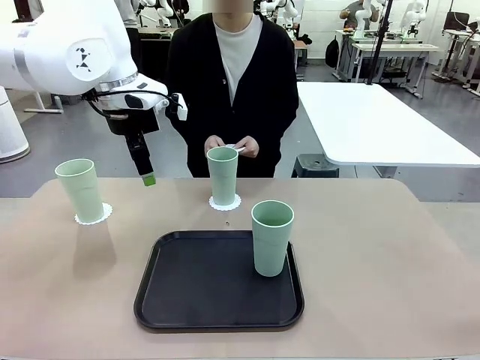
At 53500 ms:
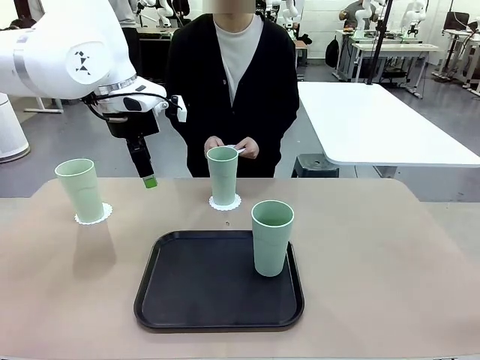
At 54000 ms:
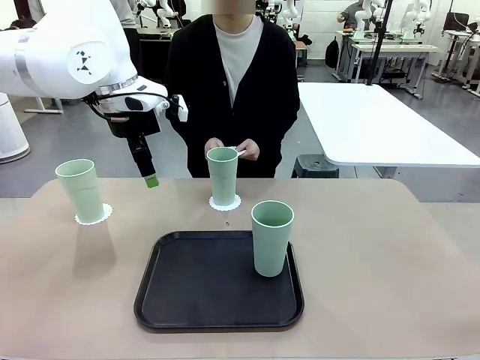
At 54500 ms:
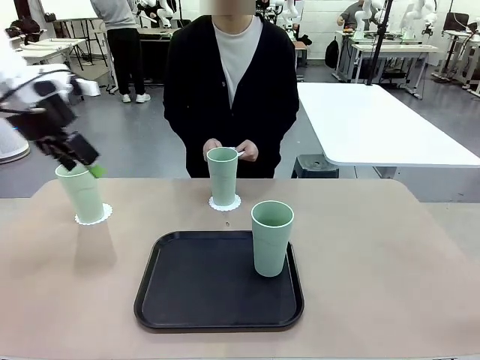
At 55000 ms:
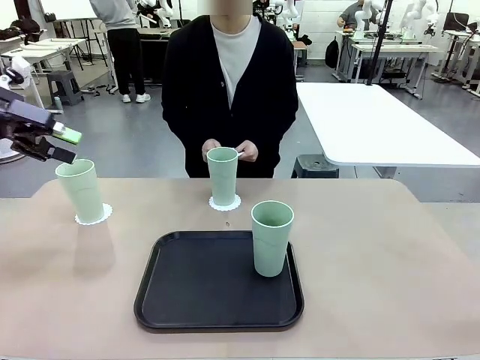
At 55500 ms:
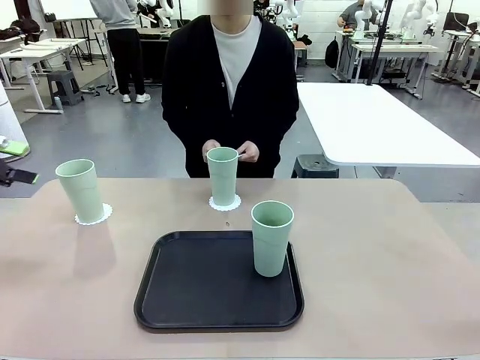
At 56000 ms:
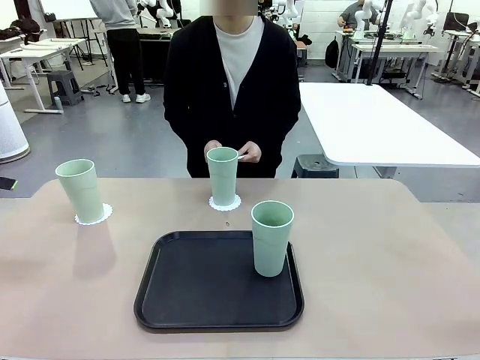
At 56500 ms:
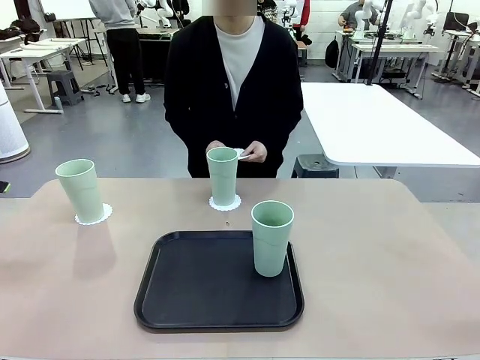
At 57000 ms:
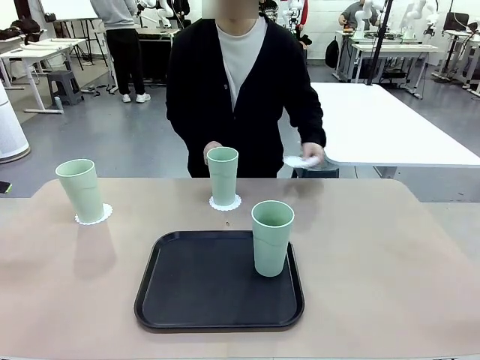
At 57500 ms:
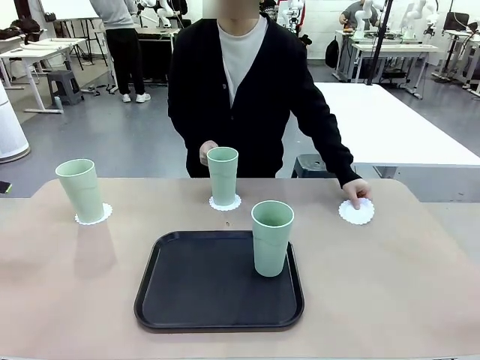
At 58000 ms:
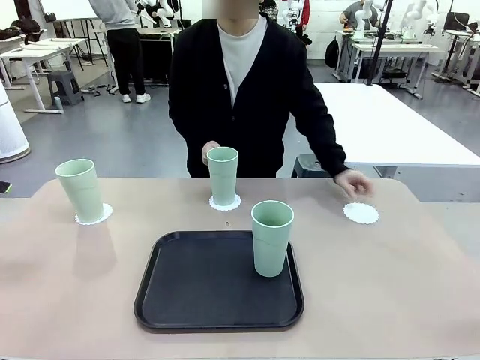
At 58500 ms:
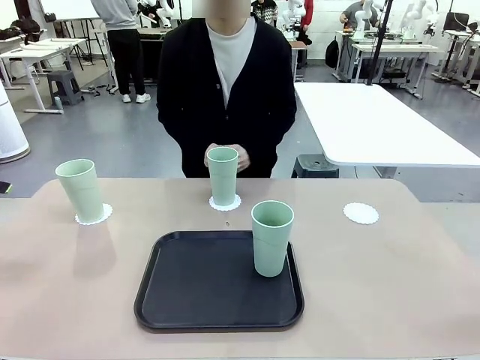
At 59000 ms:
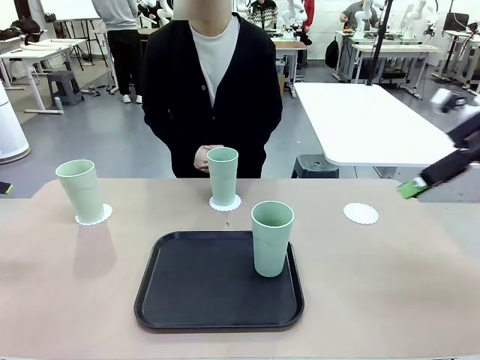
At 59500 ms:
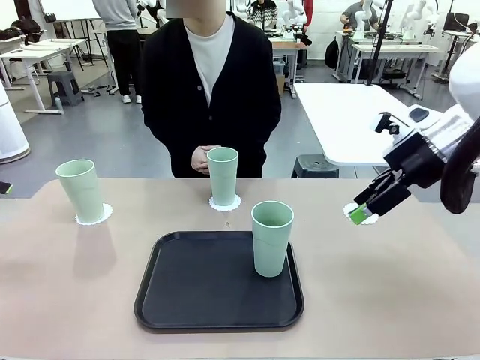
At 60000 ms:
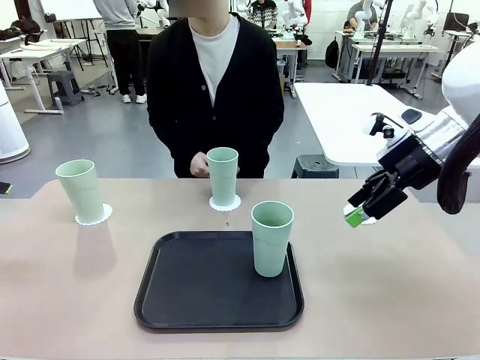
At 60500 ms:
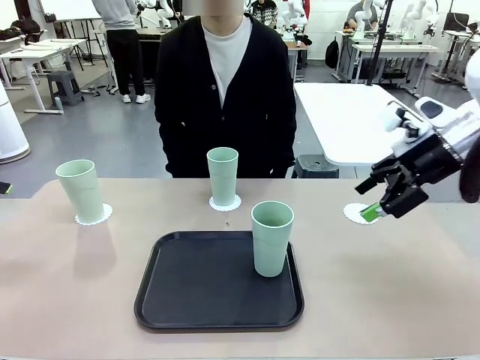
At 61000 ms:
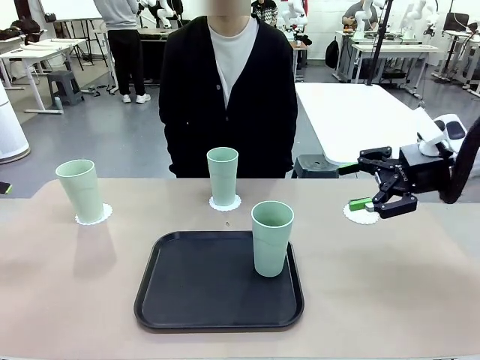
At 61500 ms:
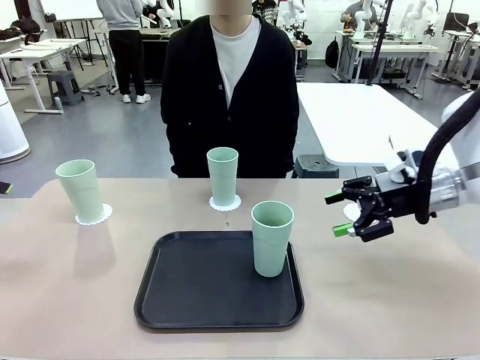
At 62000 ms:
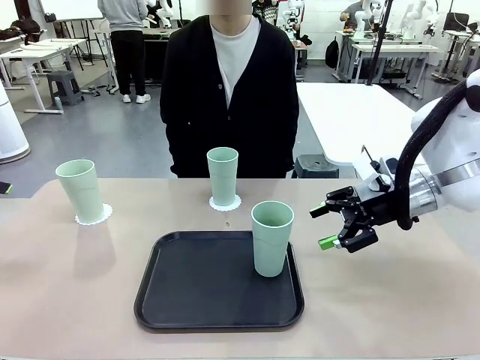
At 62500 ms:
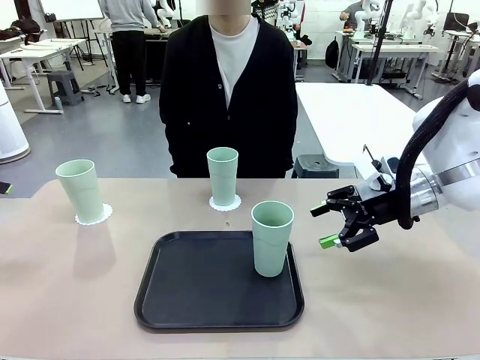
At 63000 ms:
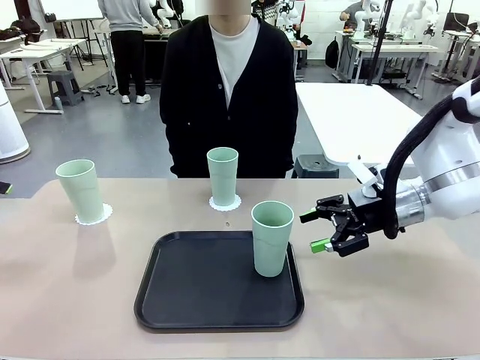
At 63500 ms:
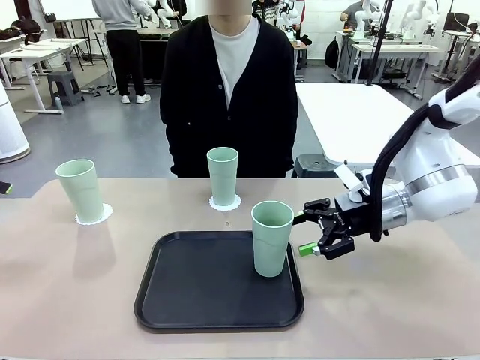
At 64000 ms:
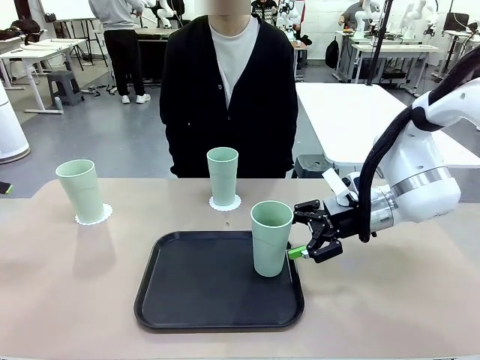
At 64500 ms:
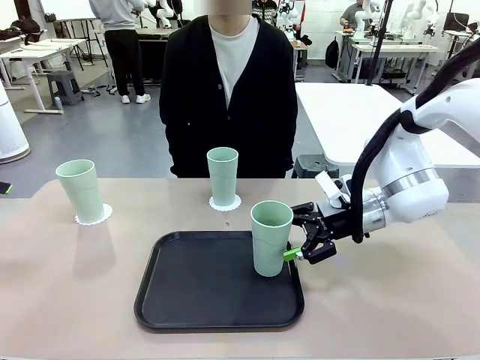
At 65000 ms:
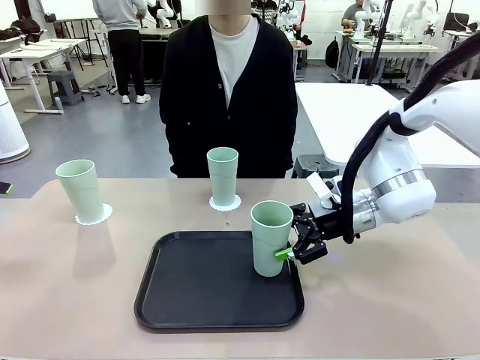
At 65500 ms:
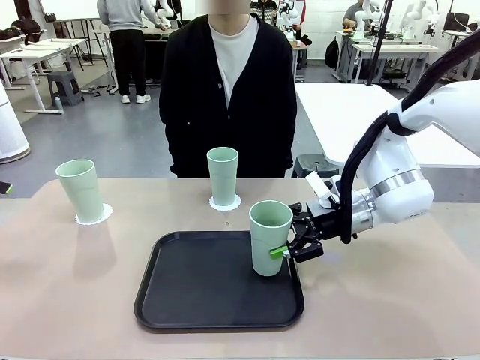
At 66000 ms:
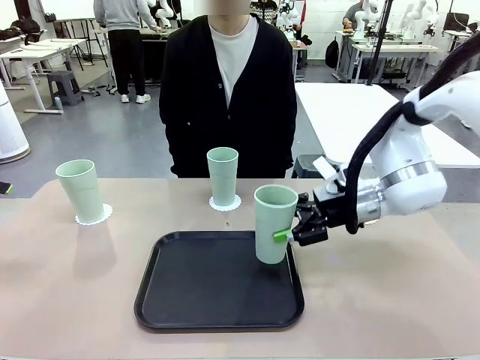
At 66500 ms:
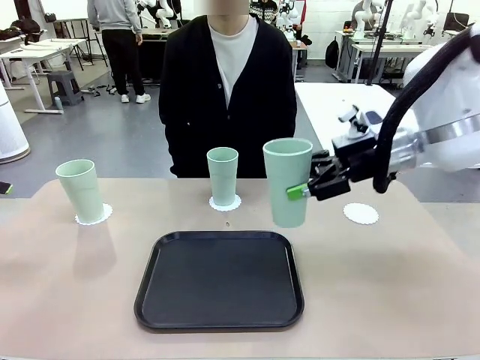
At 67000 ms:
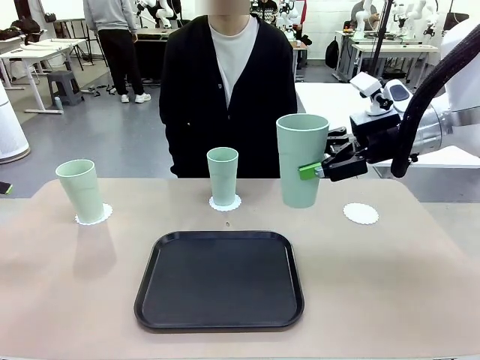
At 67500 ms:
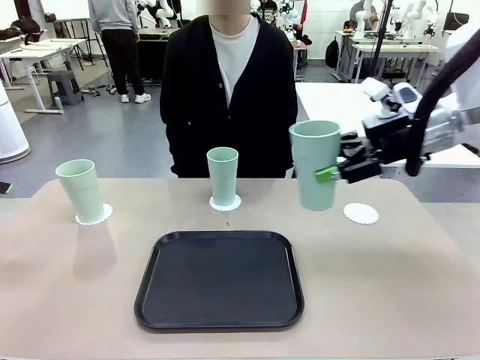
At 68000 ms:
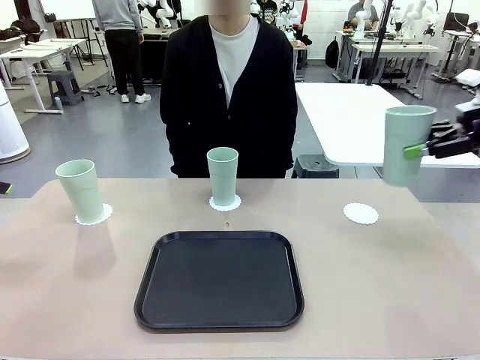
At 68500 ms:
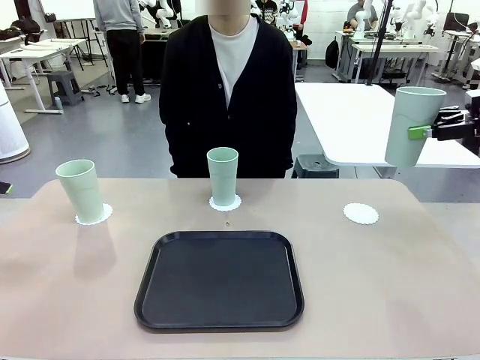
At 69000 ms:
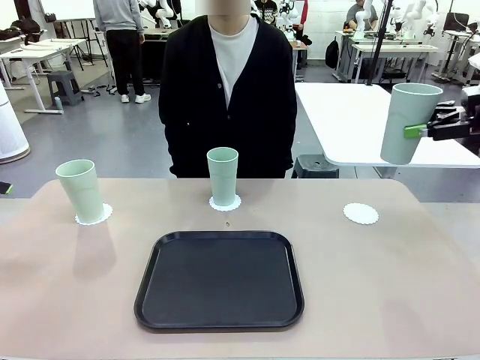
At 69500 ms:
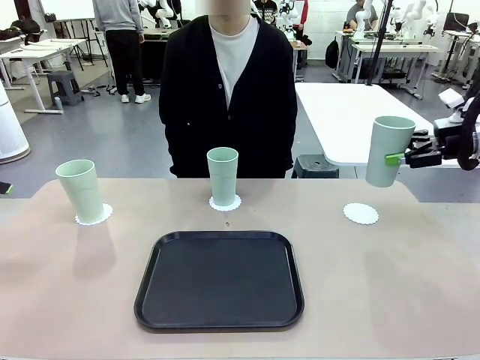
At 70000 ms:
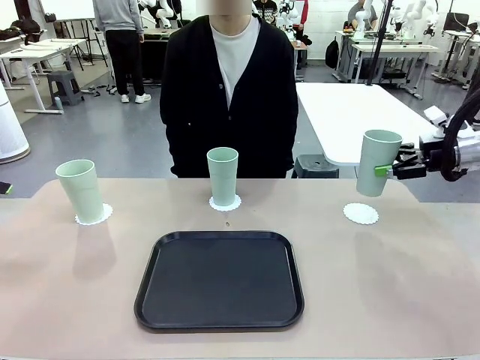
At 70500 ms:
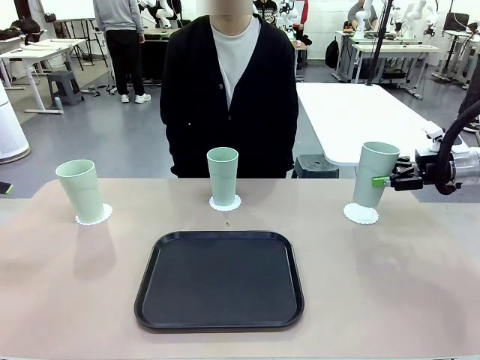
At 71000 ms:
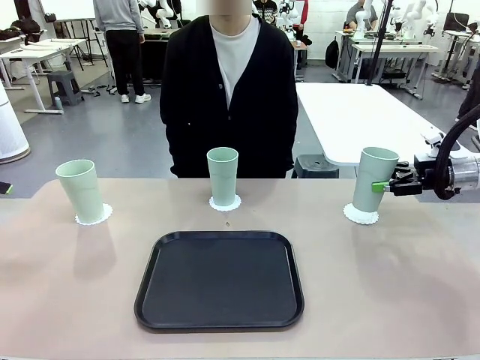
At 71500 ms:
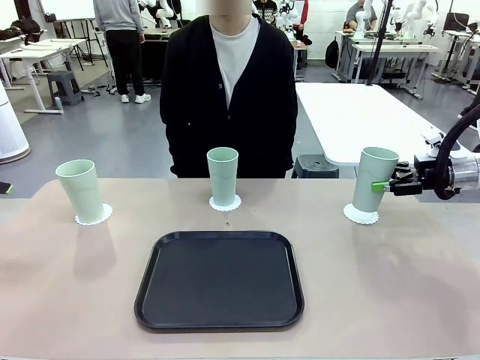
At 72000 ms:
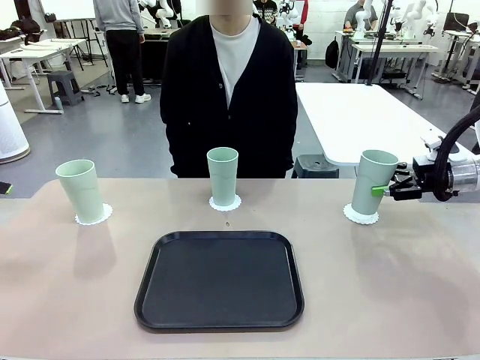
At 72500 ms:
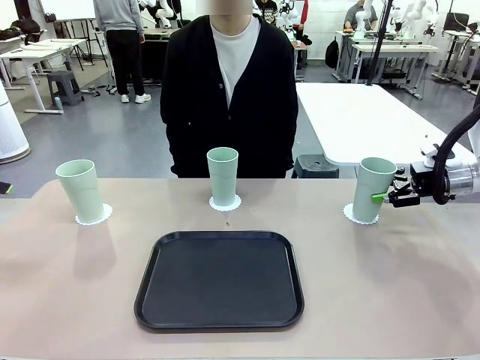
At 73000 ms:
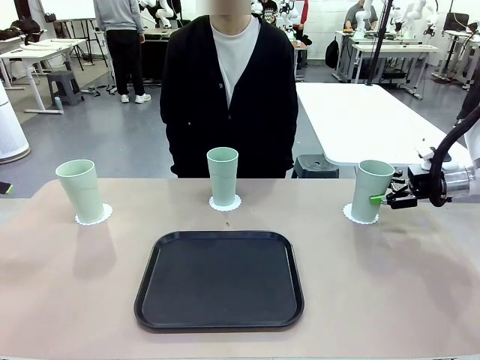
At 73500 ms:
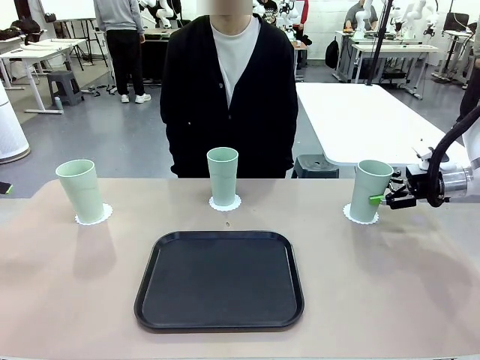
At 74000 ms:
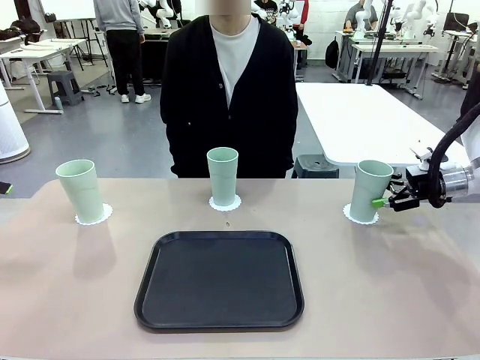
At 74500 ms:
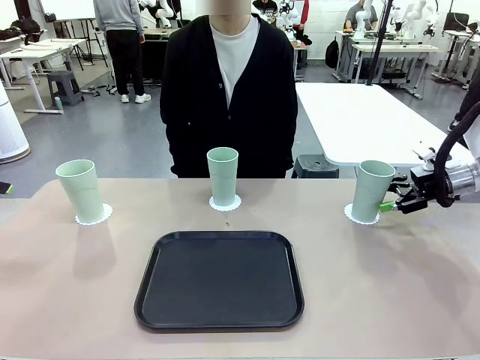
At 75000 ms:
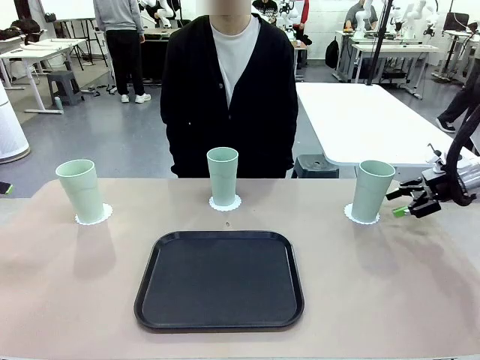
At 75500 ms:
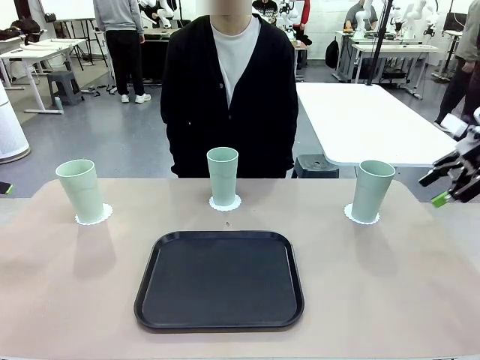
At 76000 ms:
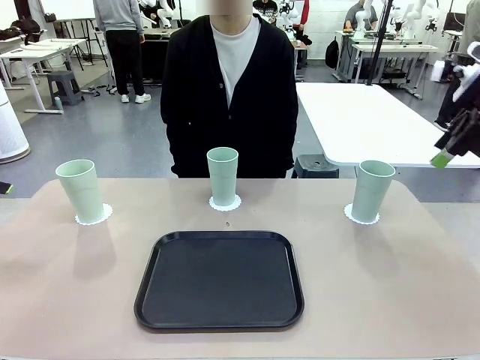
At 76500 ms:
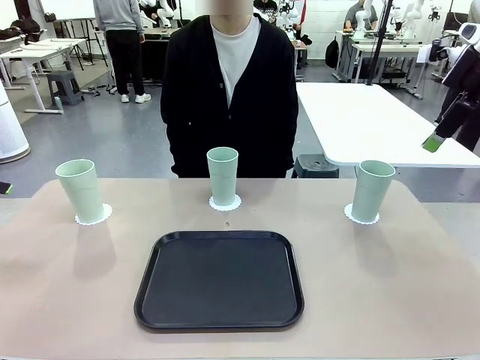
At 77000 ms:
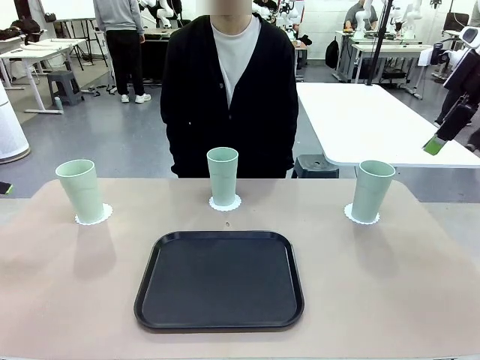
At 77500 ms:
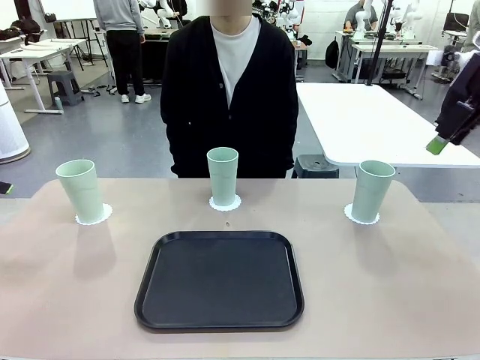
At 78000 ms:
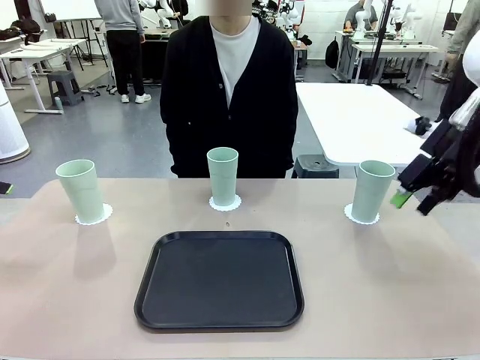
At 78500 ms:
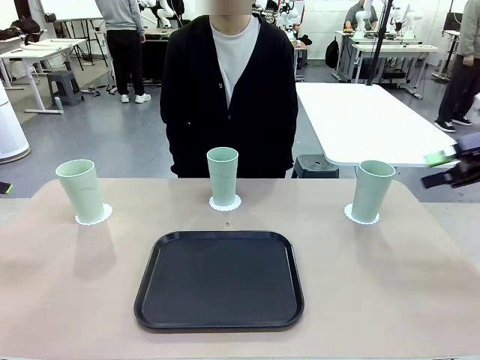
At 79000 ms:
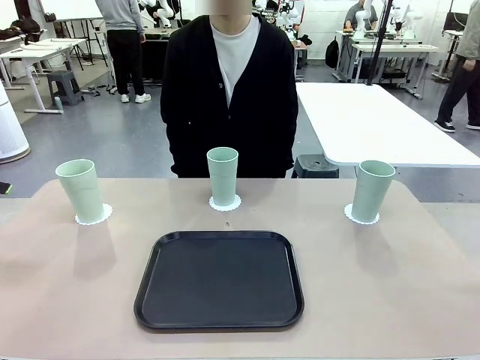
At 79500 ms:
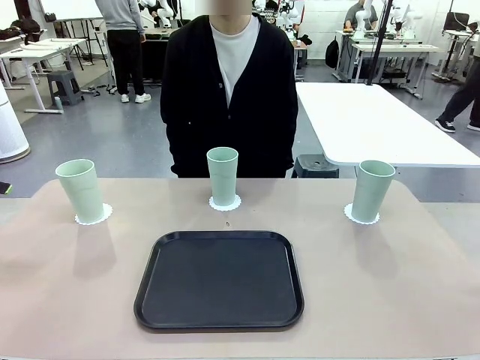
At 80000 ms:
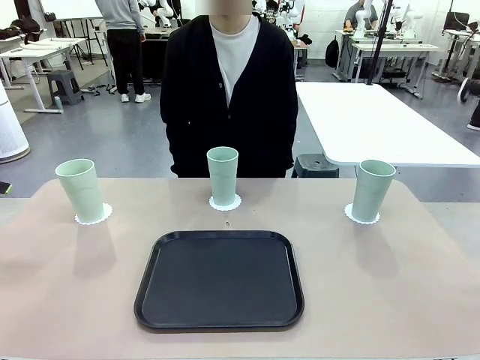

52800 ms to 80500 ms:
Task: Place coasters on the table and set cups on them.
Robot: Take one Reusable plastic cup from the Flat Tray and place it on a coaster set by the human.
Person: Place one coaster in the only remaining area.
